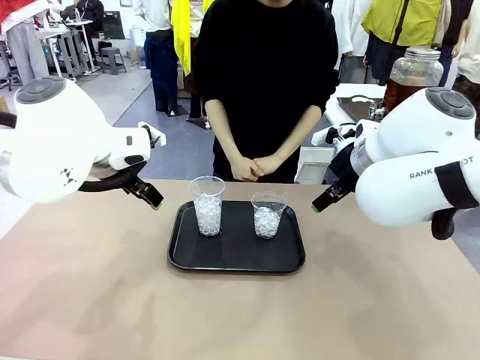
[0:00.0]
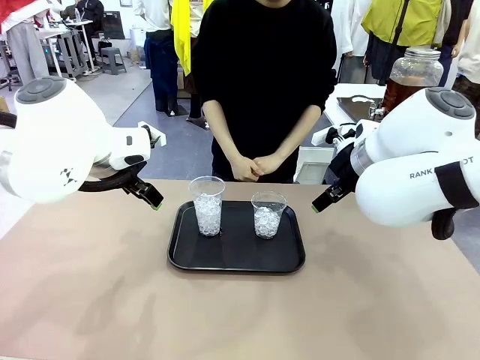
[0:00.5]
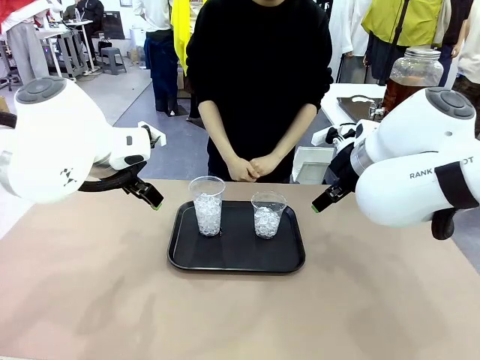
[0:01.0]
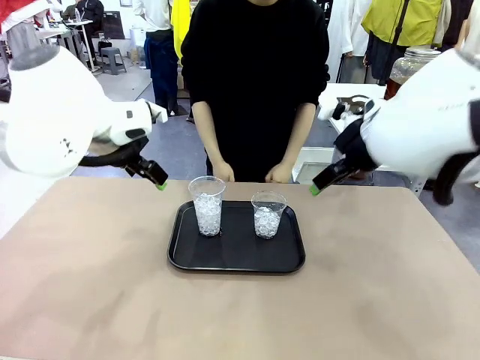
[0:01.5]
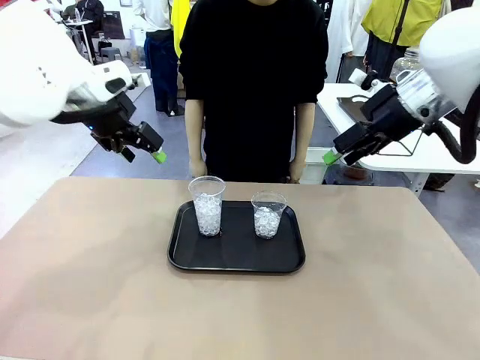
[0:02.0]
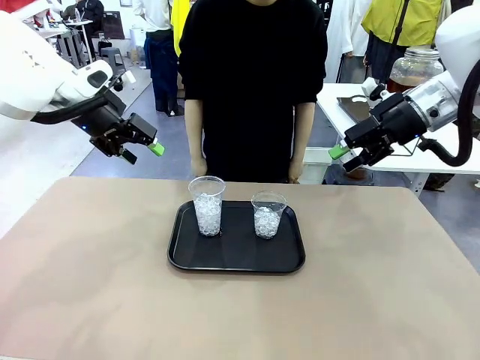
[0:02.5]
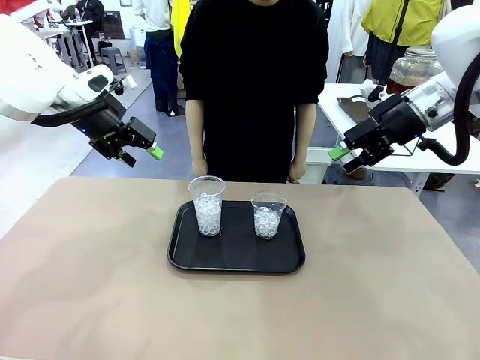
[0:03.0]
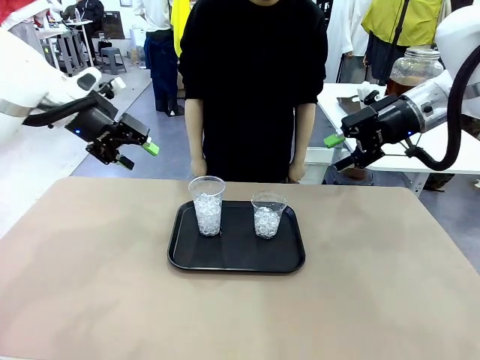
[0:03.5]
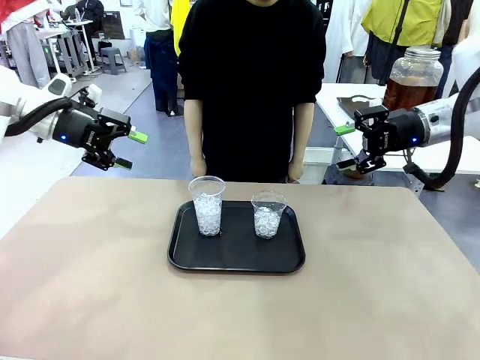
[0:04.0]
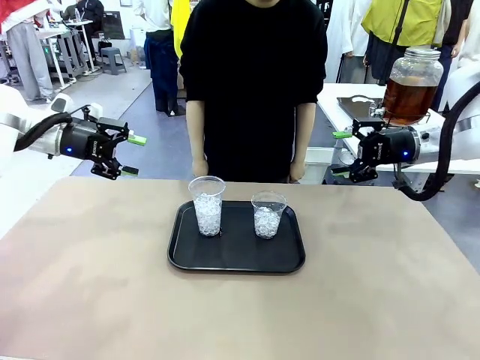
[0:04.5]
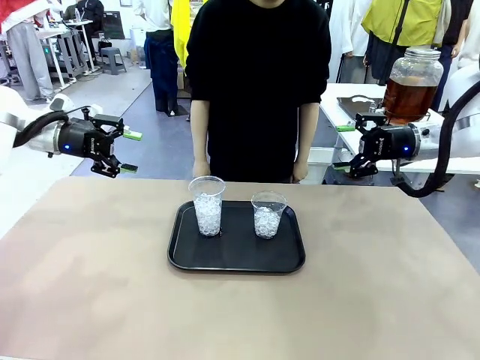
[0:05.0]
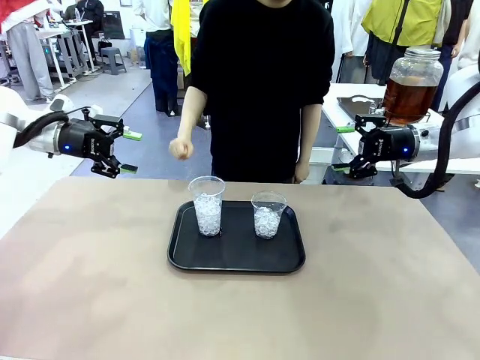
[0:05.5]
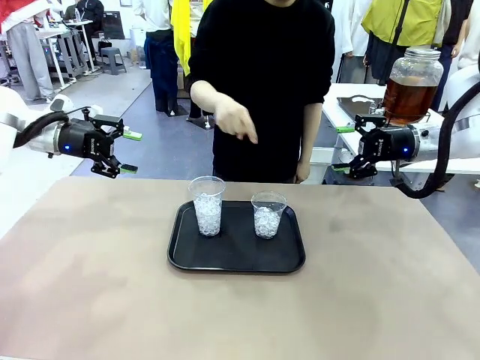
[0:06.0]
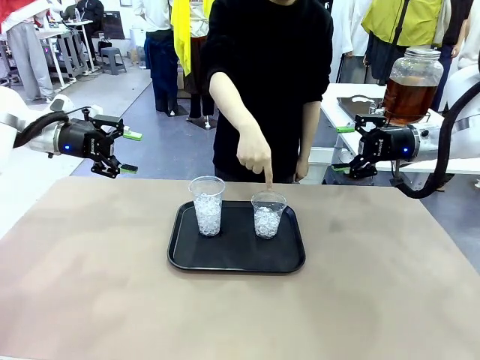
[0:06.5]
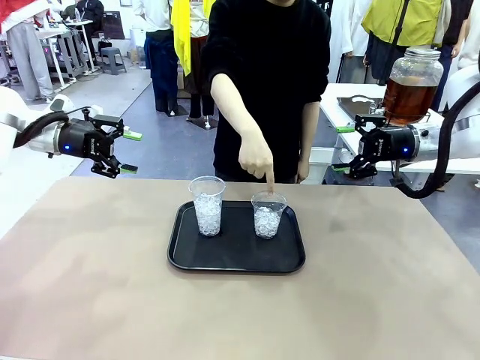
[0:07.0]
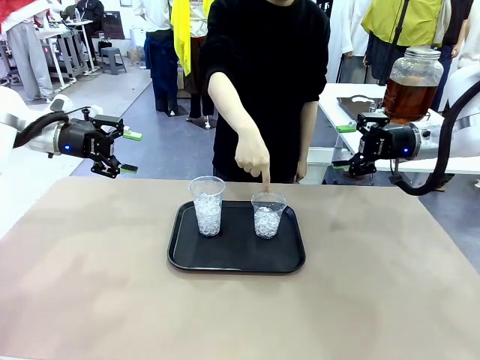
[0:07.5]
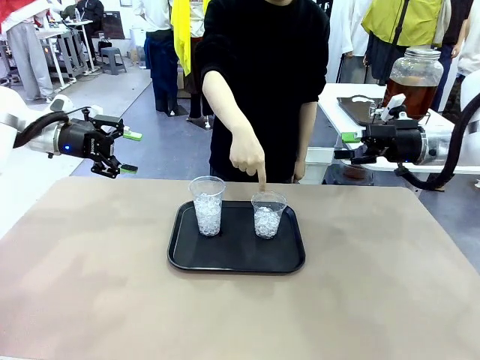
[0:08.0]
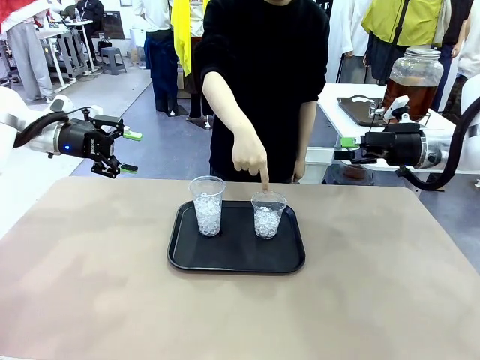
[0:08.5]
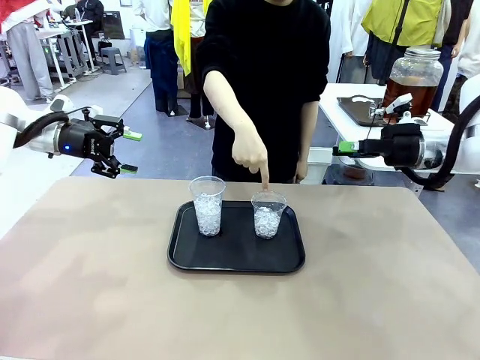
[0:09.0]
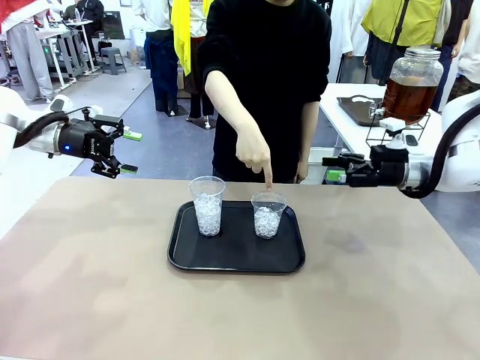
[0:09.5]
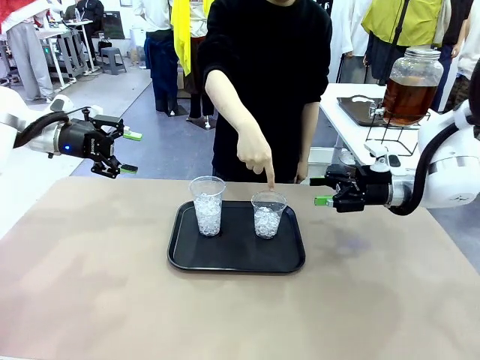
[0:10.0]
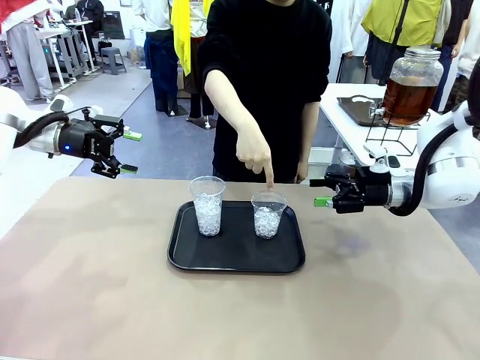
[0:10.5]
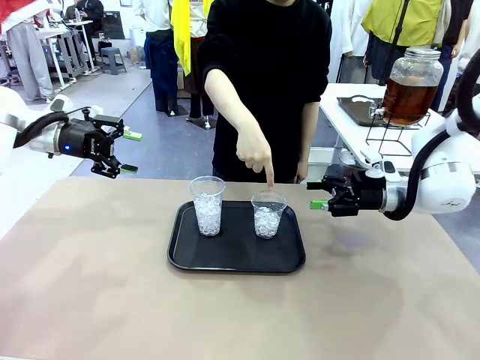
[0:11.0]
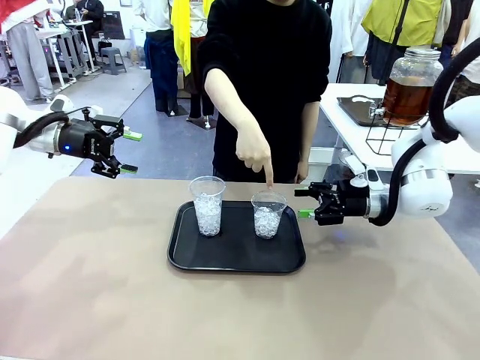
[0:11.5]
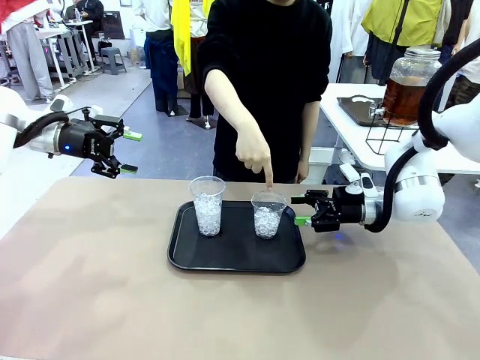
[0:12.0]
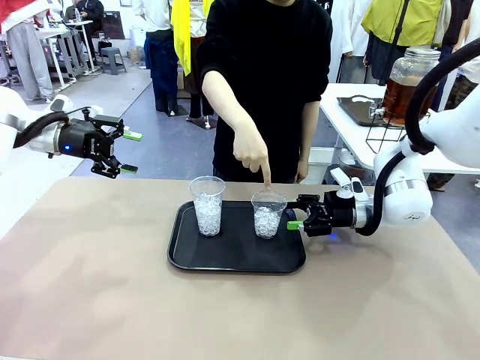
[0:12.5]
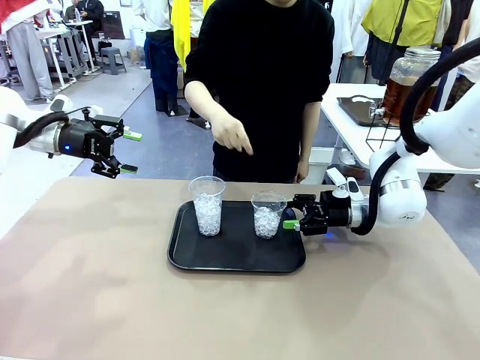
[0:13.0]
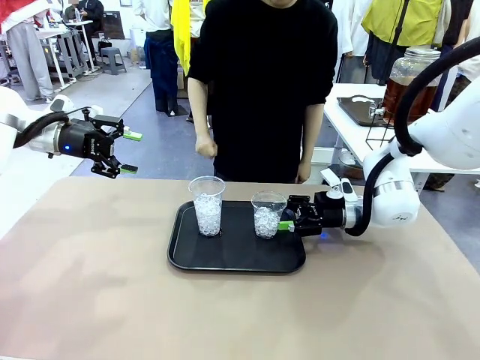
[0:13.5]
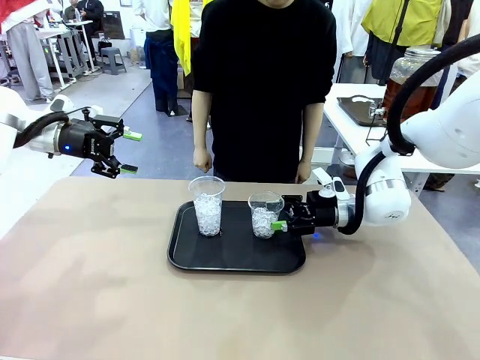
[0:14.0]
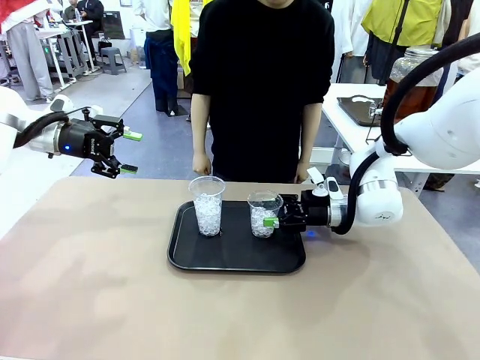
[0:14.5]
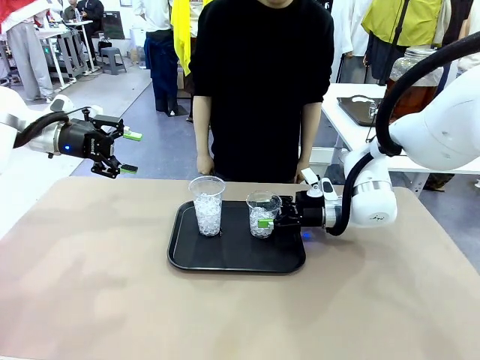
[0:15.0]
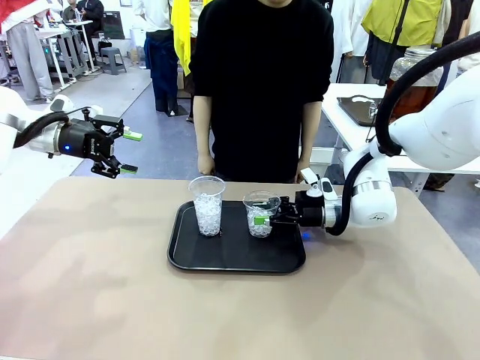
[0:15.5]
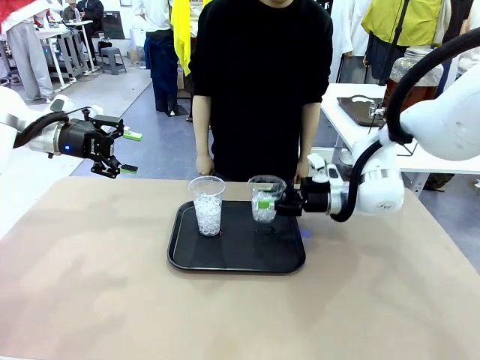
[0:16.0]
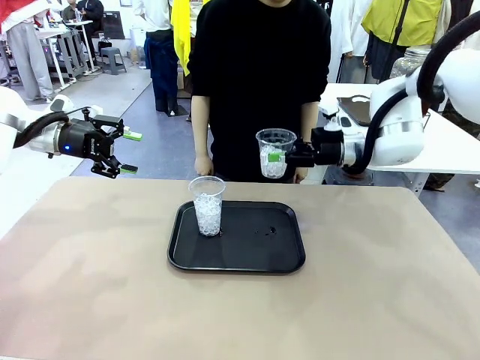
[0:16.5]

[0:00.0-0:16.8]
Task: Pour the drink into the iced cup.
Robot: Pick up the iced cup indicated by the human and present it to them.
Person: Point to one of the two ice cups. Pick up the cup offered by the robot.

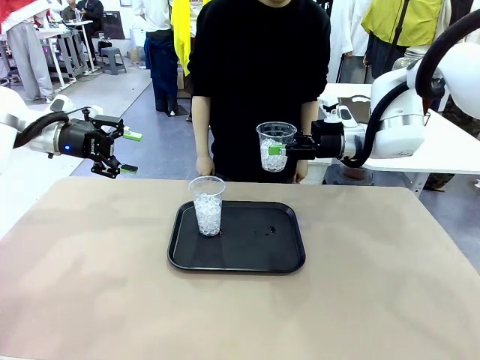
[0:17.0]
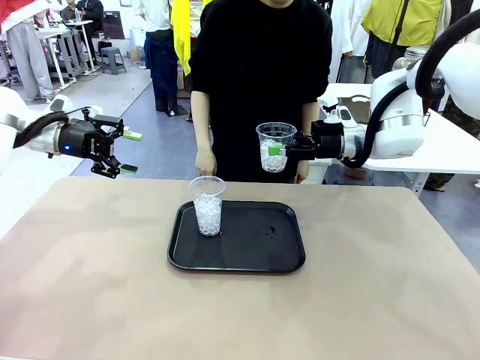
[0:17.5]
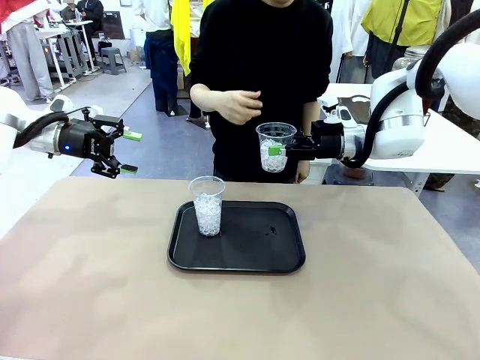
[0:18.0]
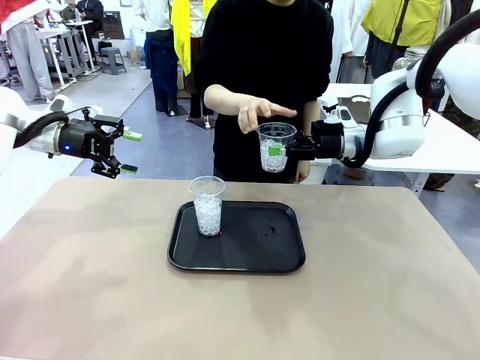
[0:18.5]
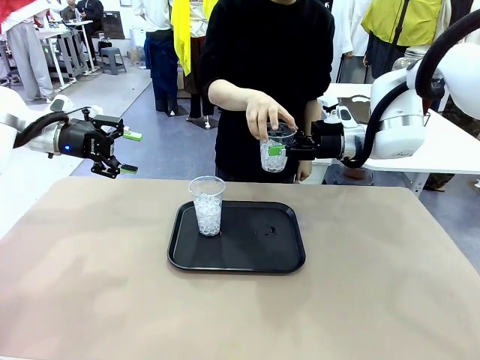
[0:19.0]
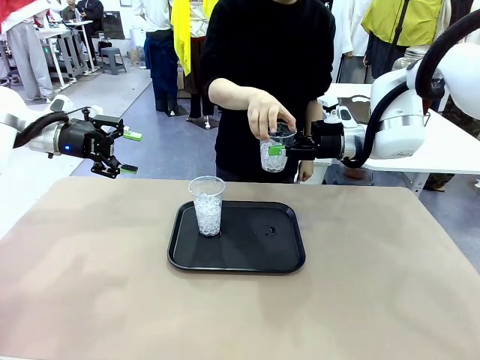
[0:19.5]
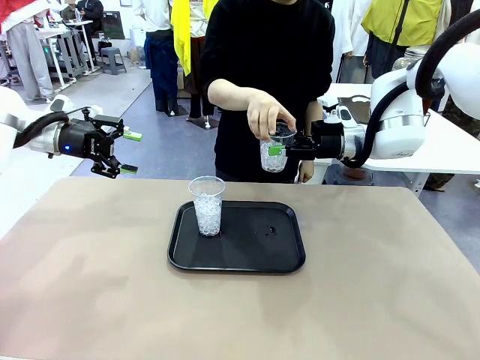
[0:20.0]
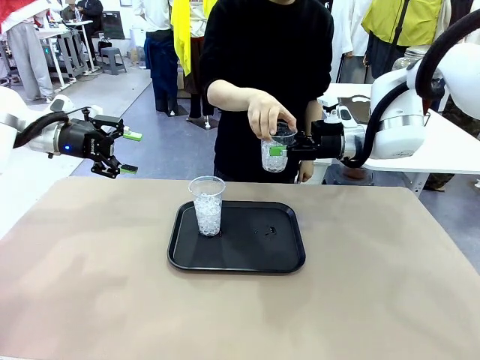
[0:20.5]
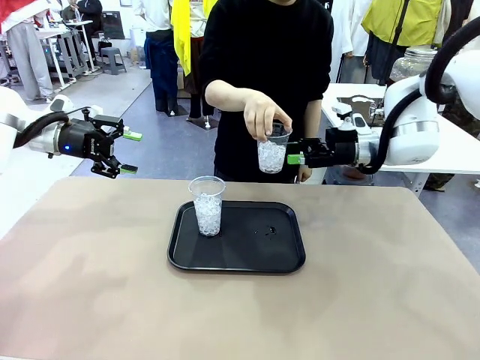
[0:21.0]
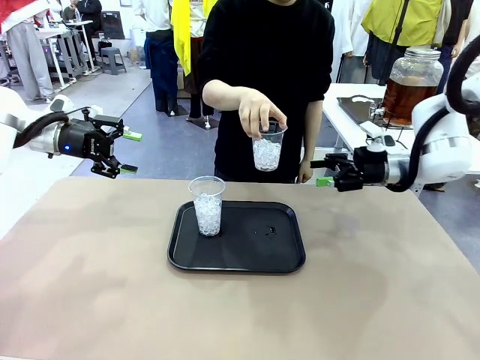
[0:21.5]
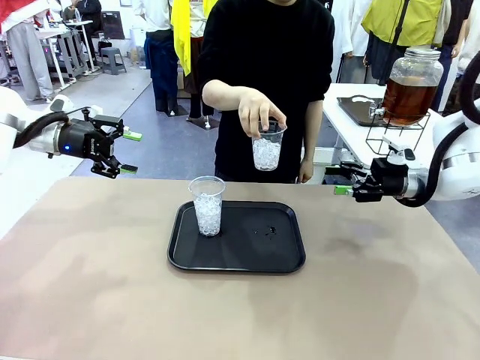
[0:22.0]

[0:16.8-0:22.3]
Robot: Open the gripper to release the iced cup you were holding.
